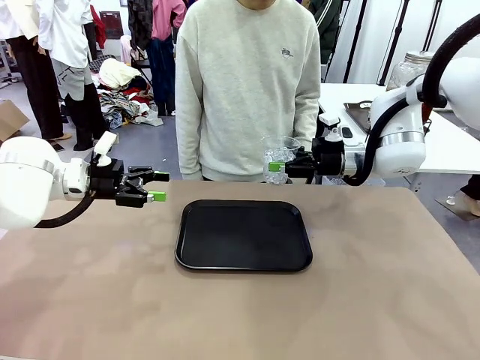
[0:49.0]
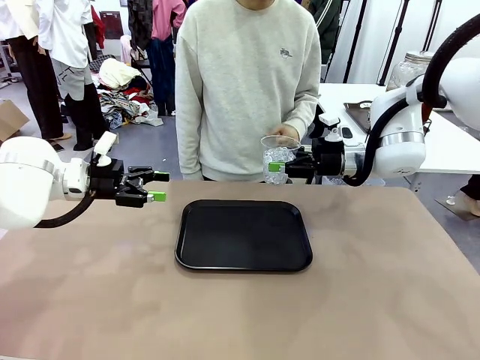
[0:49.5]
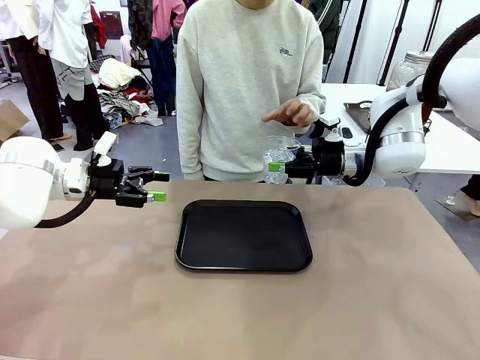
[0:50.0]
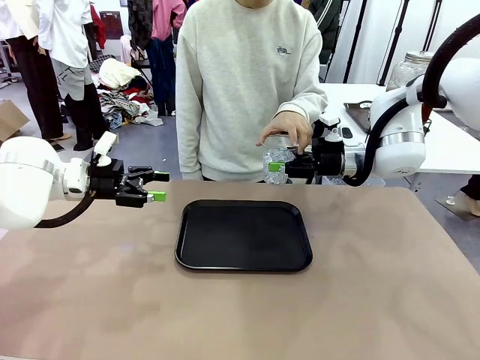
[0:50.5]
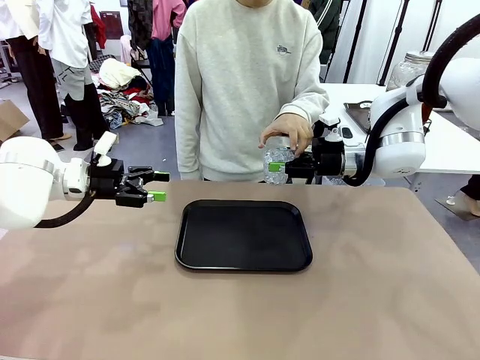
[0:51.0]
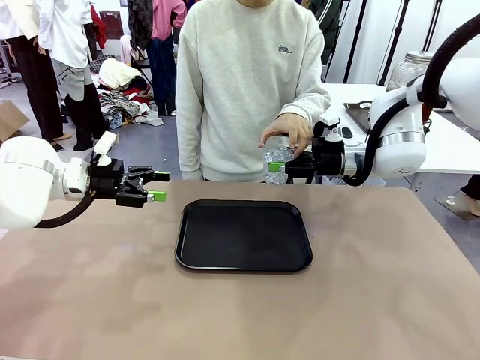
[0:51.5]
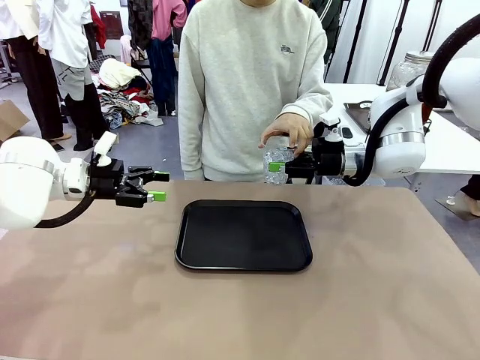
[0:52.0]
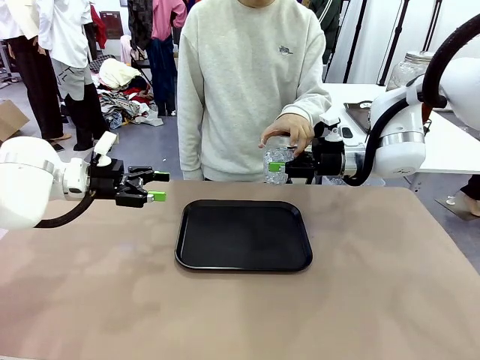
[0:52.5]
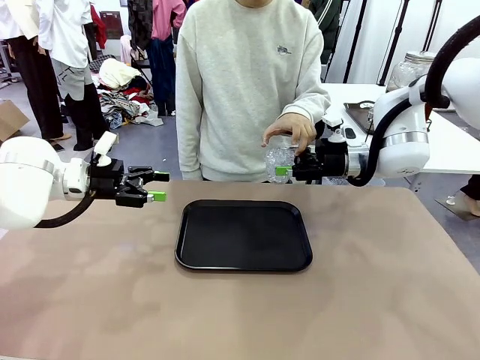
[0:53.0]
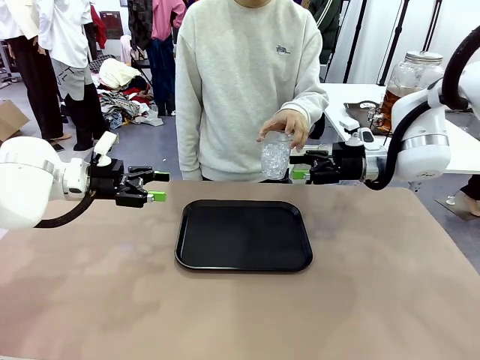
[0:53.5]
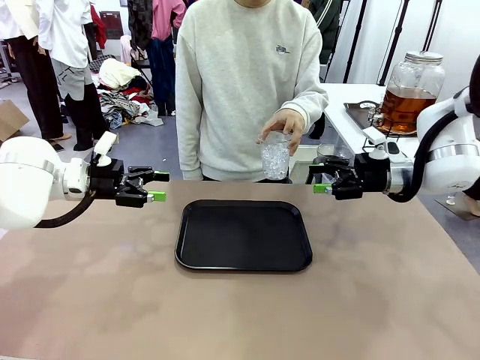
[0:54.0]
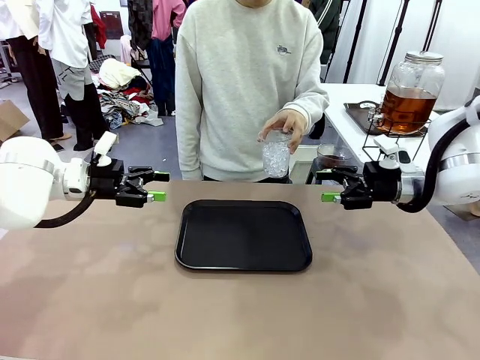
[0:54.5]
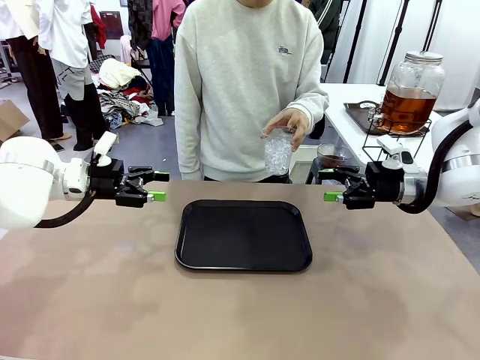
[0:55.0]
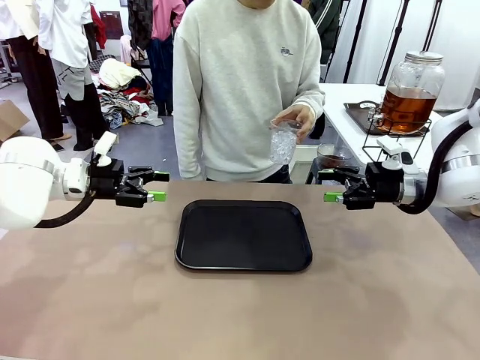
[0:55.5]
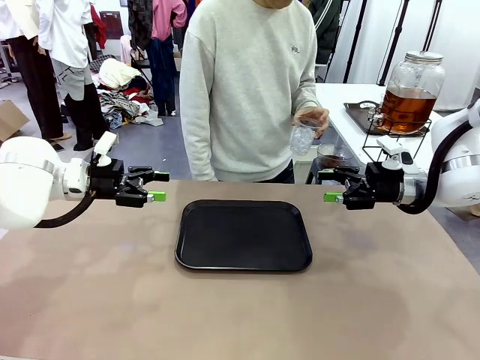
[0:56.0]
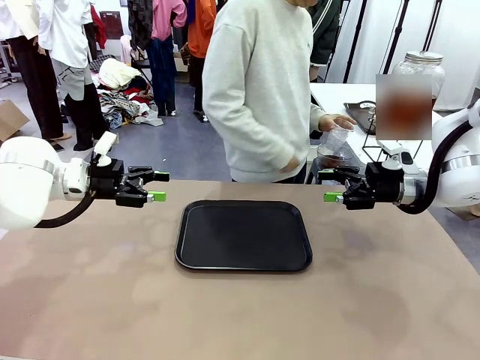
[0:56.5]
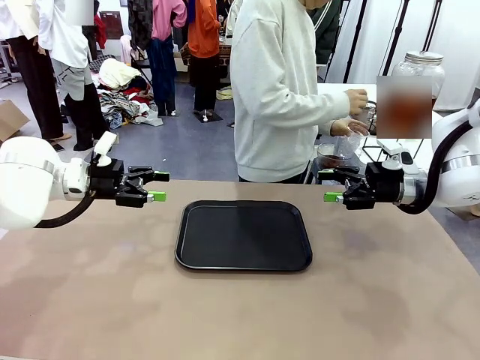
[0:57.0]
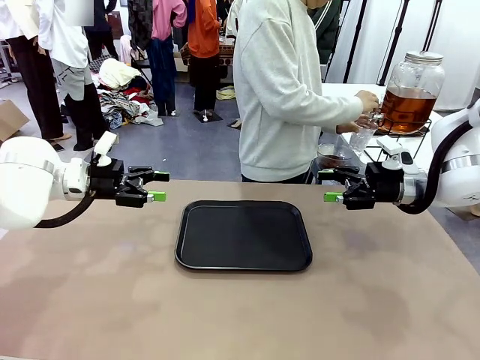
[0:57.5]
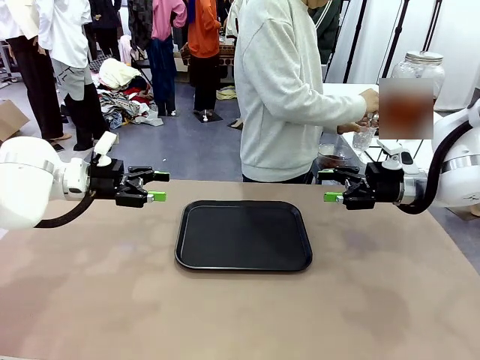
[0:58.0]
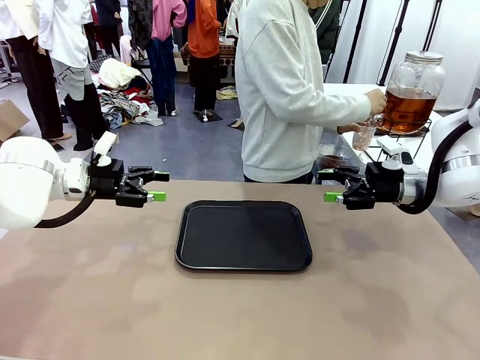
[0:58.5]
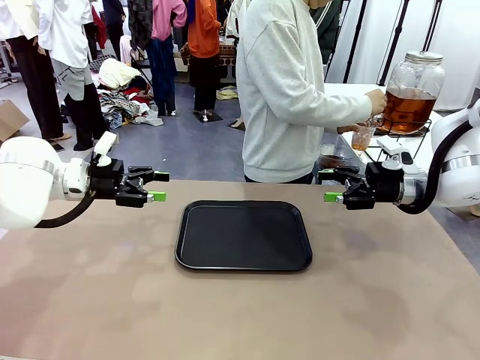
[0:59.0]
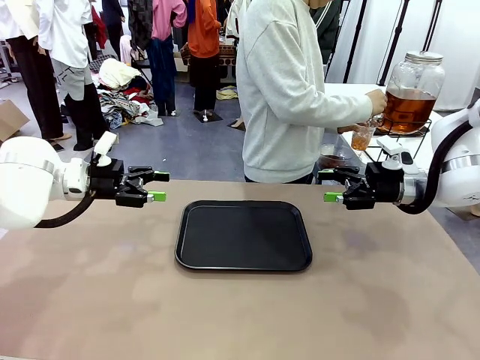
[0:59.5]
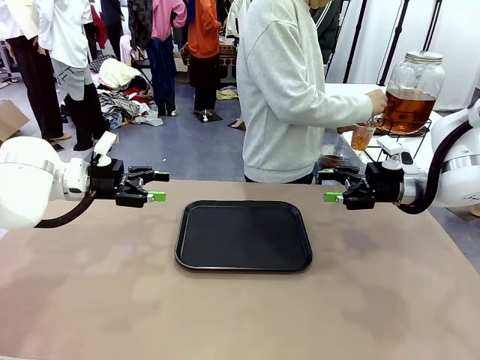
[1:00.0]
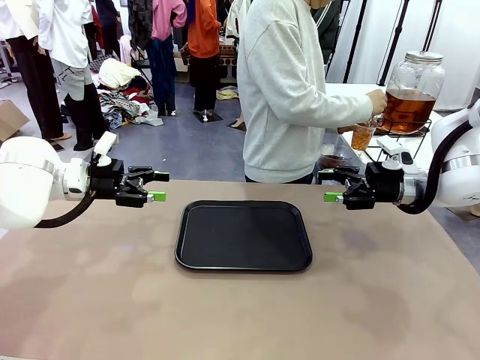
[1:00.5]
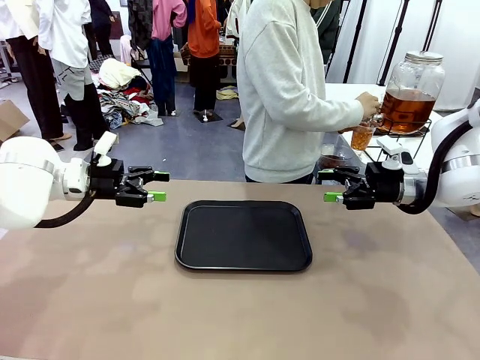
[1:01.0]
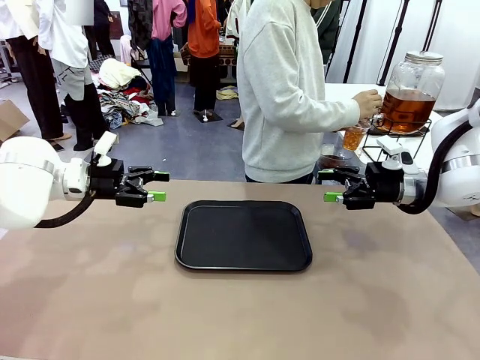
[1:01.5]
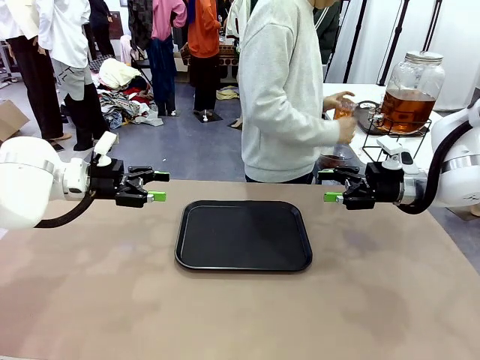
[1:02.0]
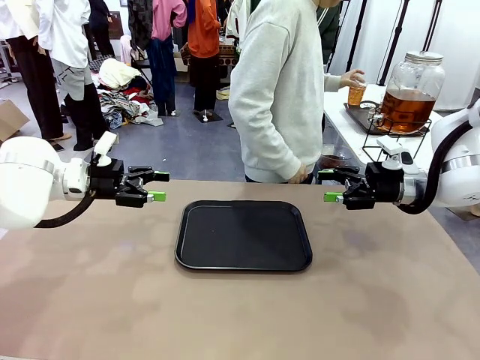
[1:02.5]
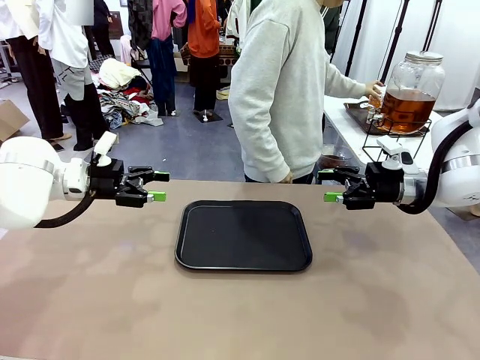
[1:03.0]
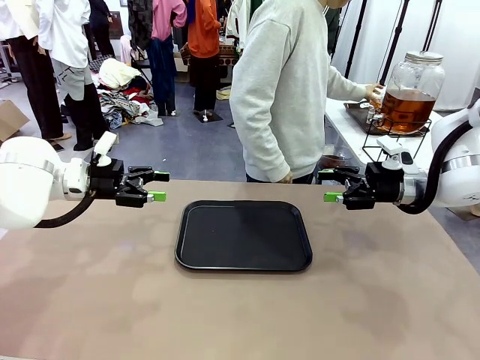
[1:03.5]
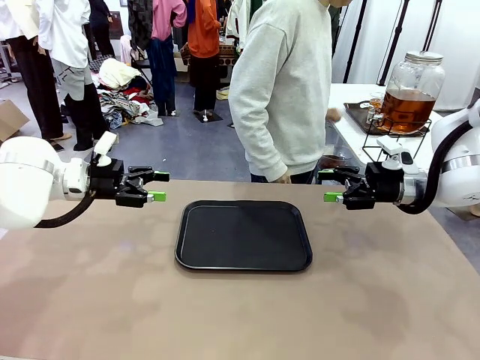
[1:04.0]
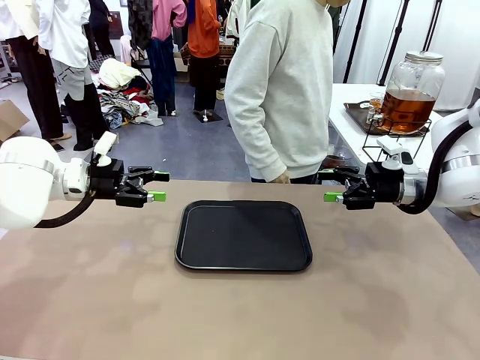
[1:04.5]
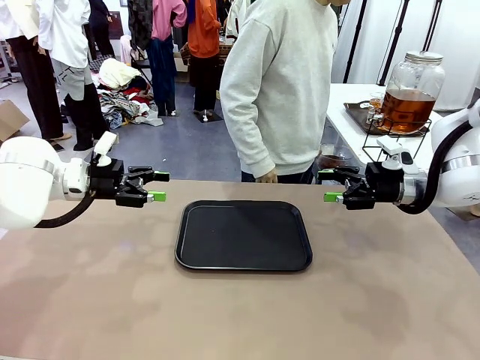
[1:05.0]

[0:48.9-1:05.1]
Task: Pour the drink into the iced cup.
Robot: Open the gripper to release the iced cup you were holding.
Person: Move the picked-up cup under the dispenser faucet, pour the drink, and place it on the tray on the human table.
